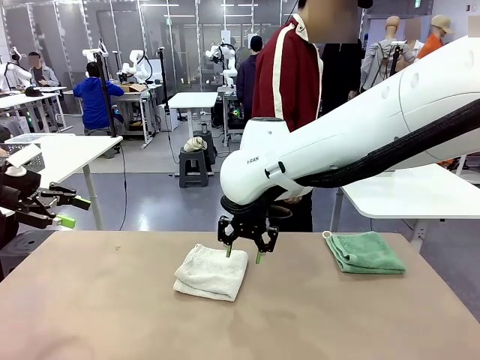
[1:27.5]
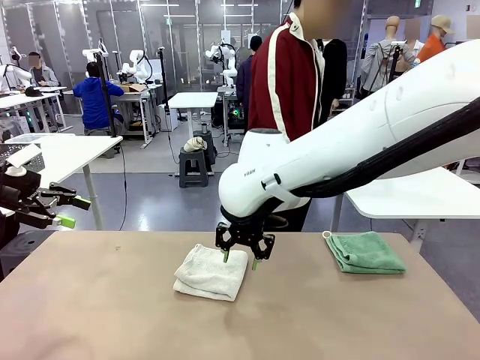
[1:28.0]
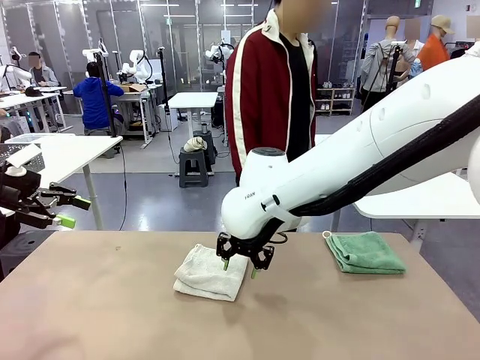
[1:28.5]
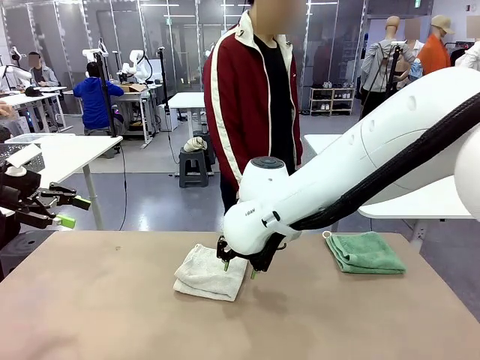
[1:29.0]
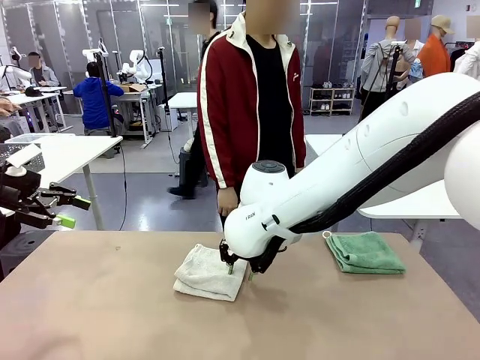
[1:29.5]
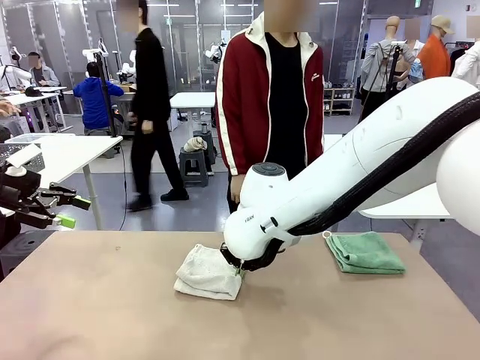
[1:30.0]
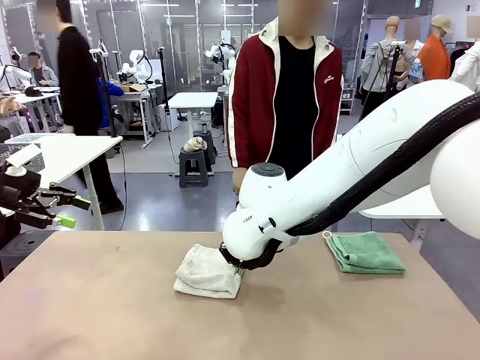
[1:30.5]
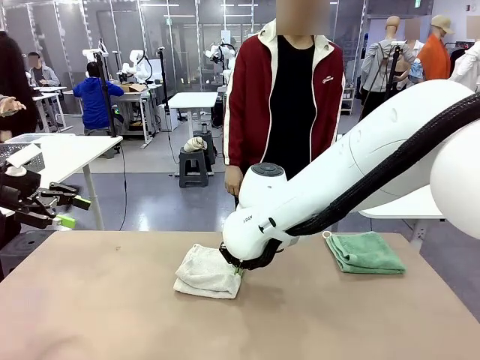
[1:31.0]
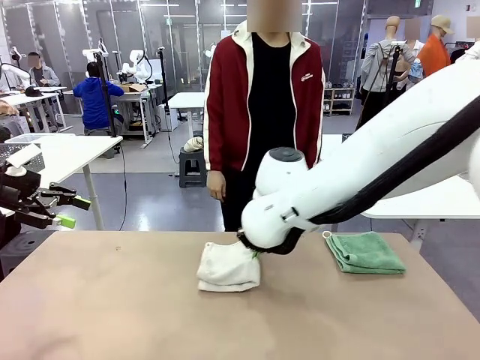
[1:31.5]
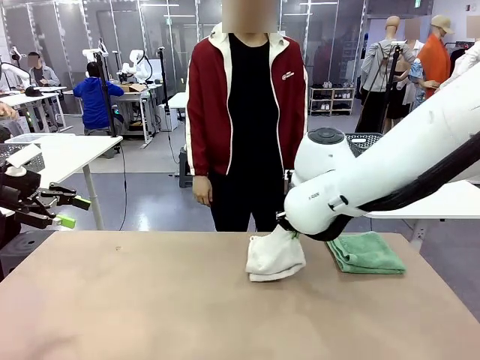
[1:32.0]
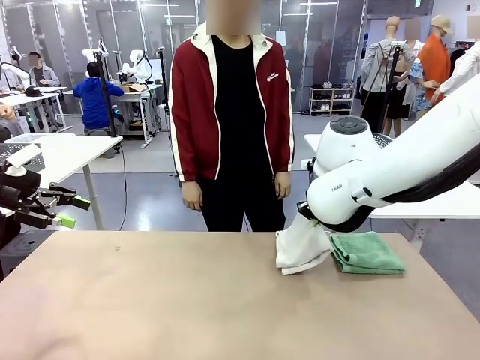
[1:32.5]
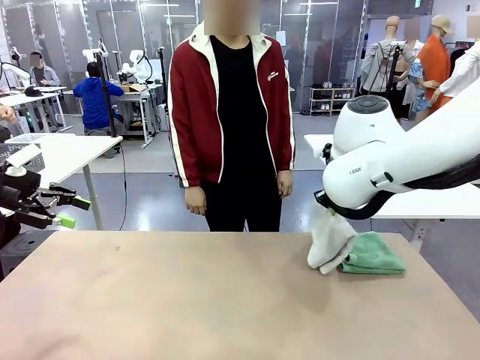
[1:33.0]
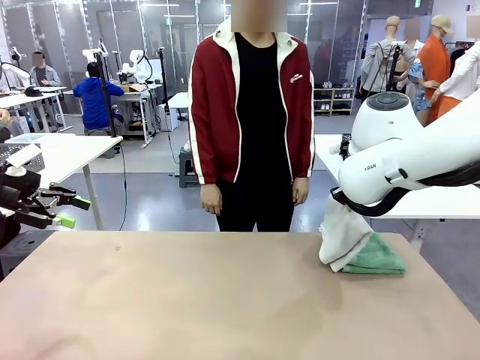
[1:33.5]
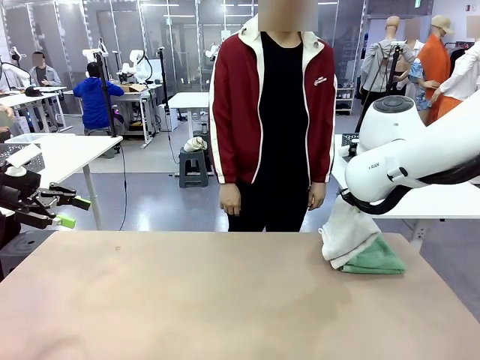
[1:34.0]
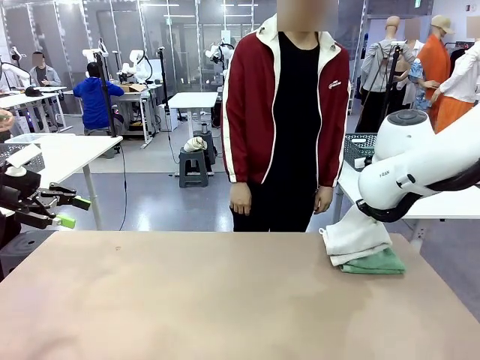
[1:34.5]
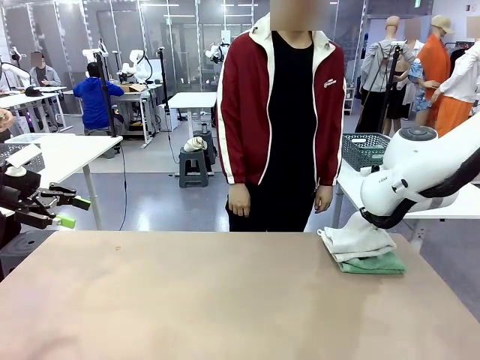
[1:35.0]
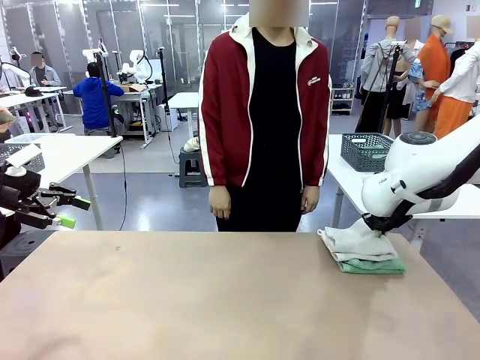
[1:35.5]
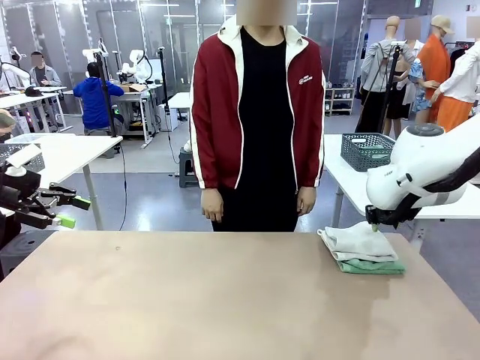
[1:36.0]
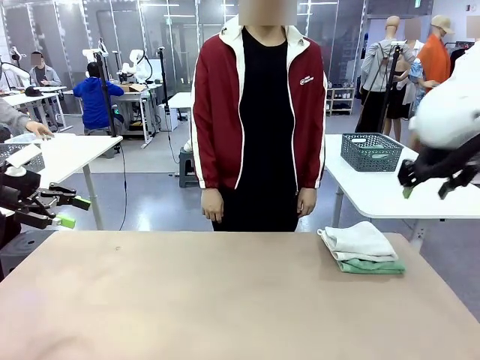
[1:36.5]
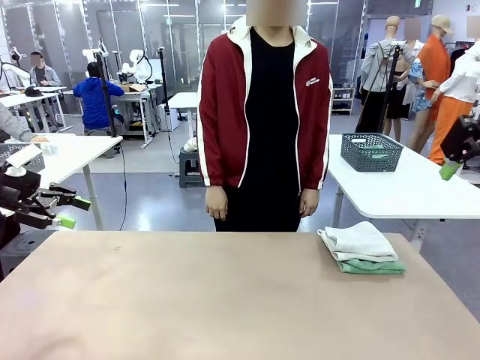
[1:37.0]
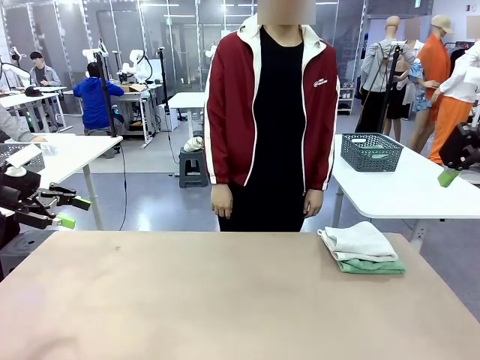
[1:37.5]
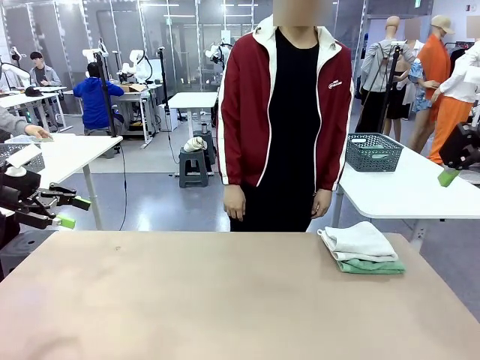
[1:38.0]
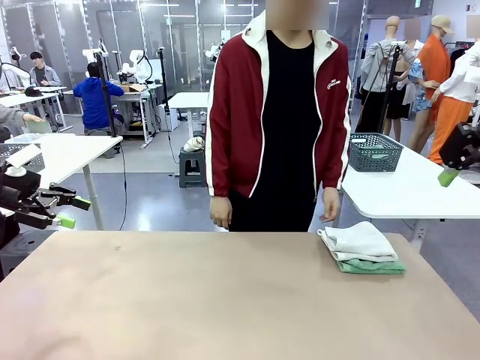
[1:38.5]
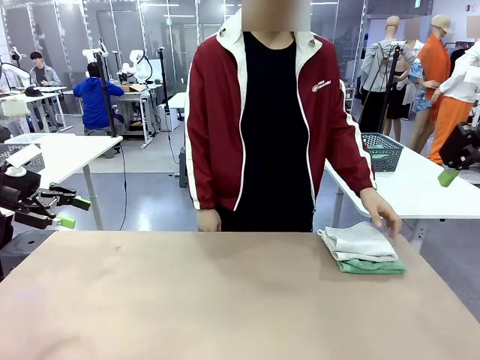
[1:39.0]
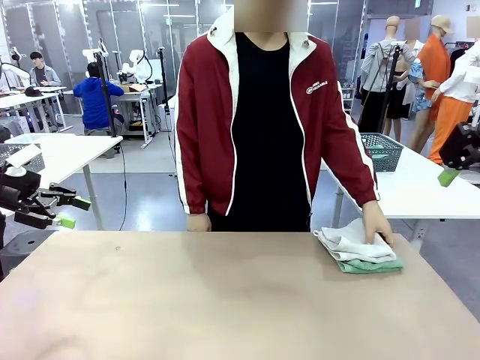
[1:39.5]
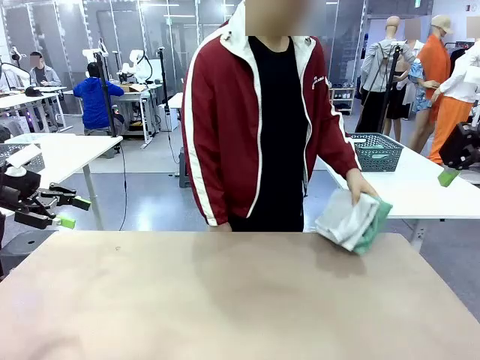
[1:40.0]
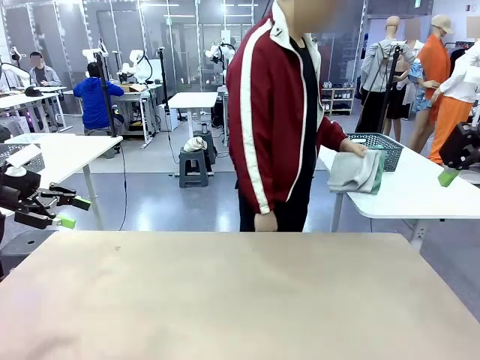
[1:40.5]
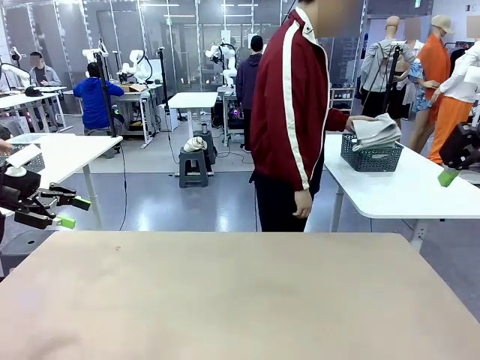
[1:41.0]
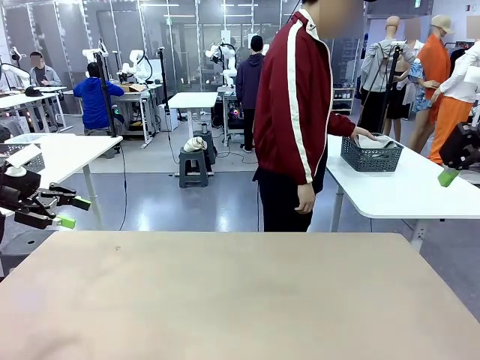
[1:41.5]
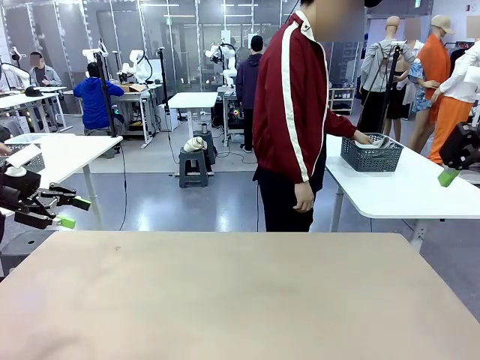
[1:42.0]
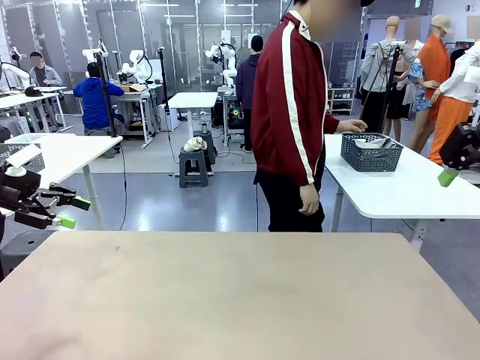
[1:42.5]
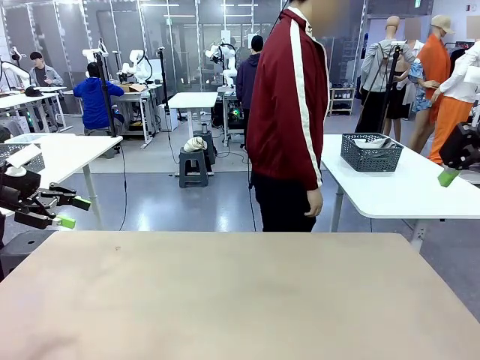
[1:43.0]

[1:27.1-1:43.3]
Task: Fold the towels and place them in the basket.
Robot: Stack the folded Towel with hook on the right side of the table.
Person: Pick up the stack of towels from the robot table and place it into the basket.

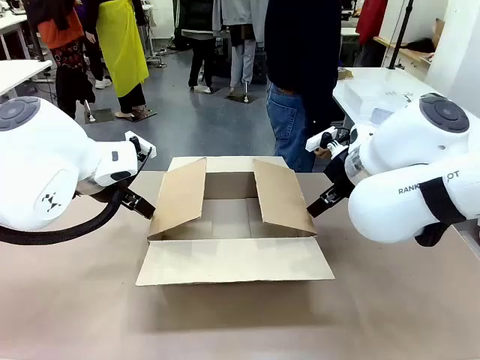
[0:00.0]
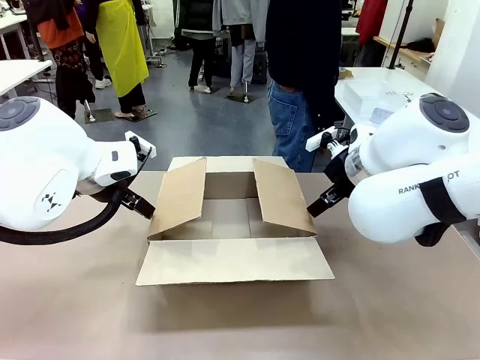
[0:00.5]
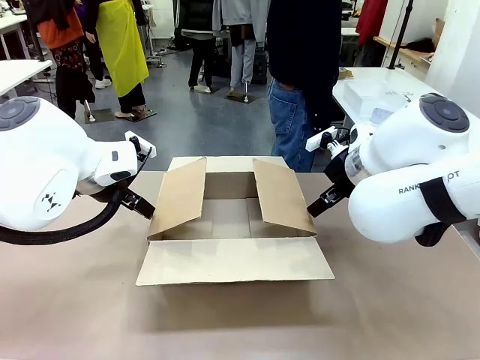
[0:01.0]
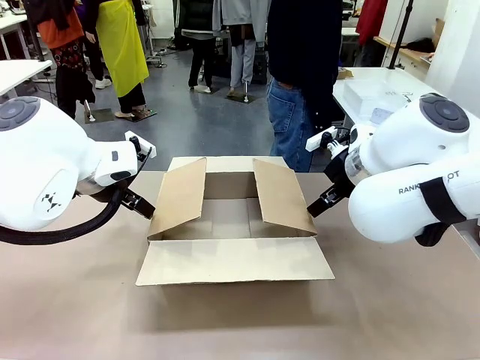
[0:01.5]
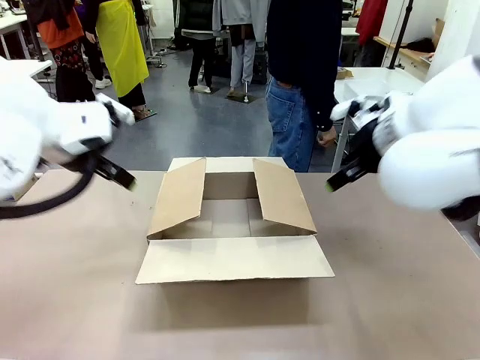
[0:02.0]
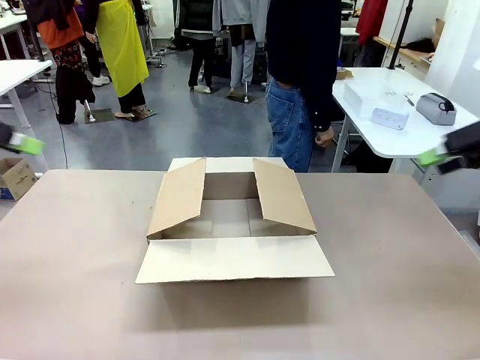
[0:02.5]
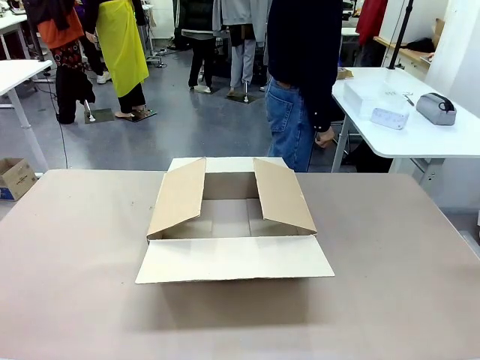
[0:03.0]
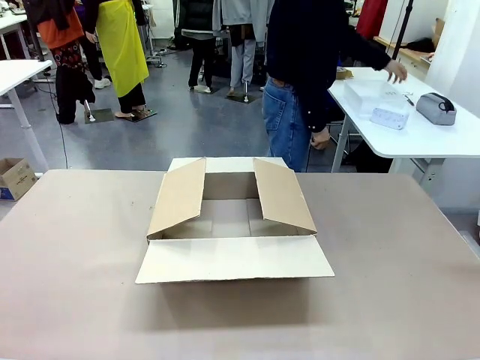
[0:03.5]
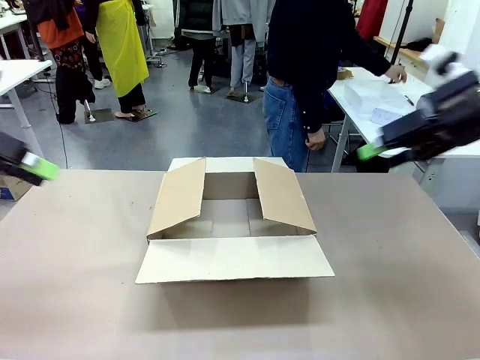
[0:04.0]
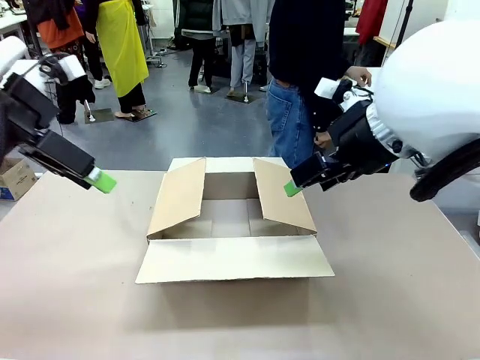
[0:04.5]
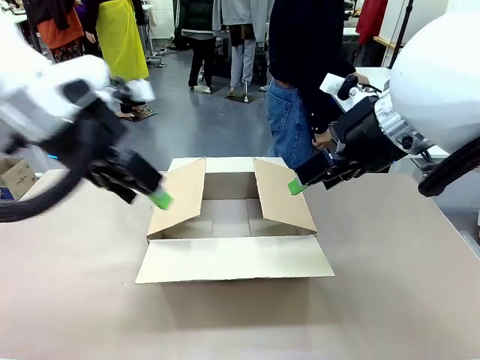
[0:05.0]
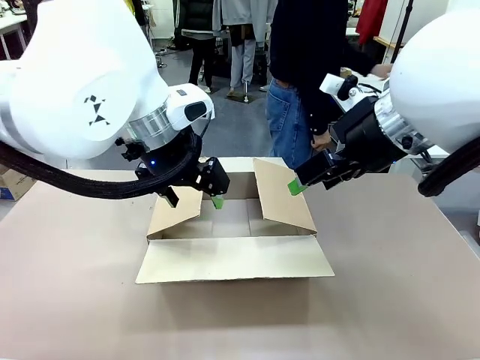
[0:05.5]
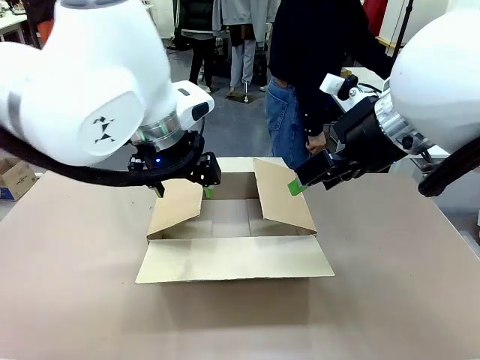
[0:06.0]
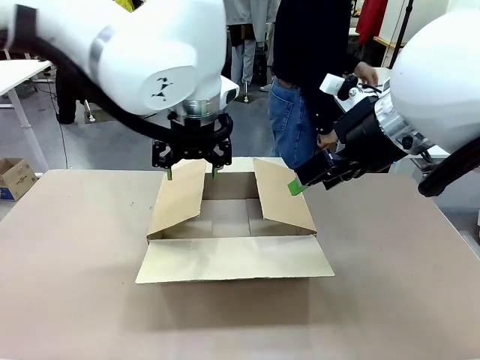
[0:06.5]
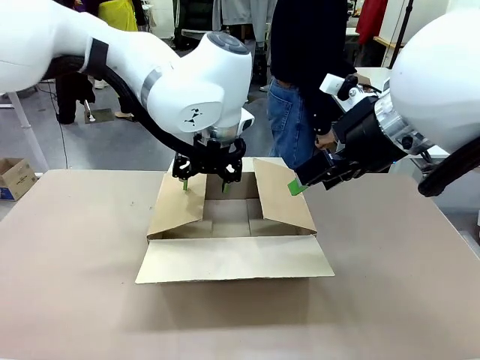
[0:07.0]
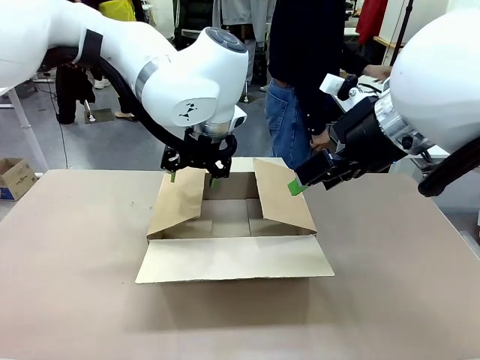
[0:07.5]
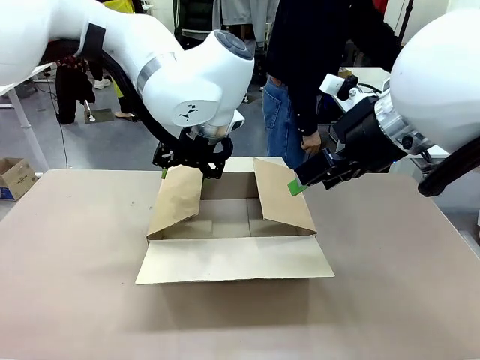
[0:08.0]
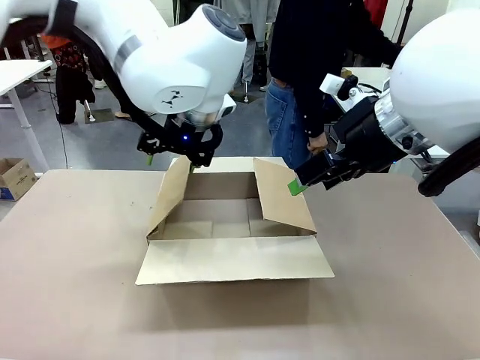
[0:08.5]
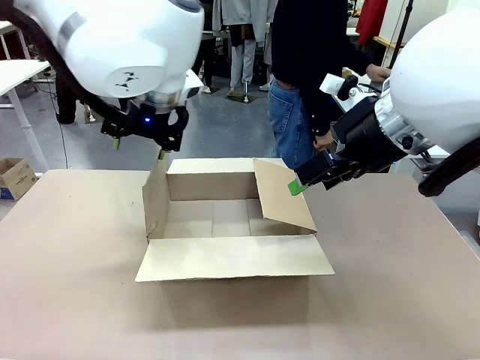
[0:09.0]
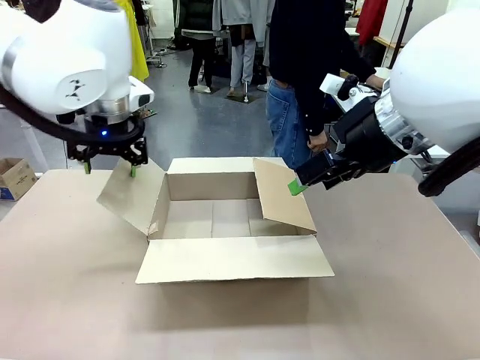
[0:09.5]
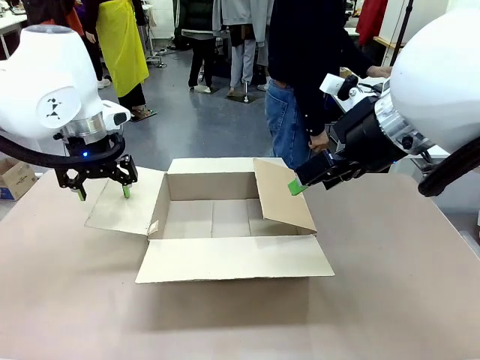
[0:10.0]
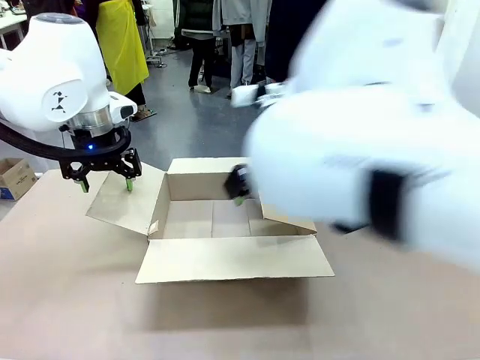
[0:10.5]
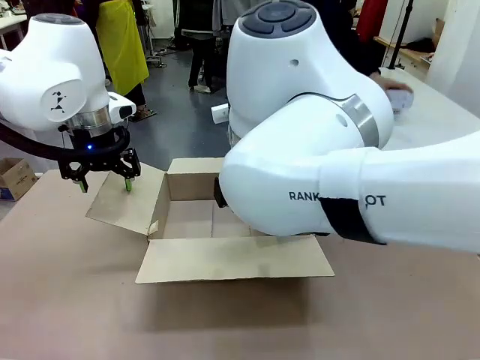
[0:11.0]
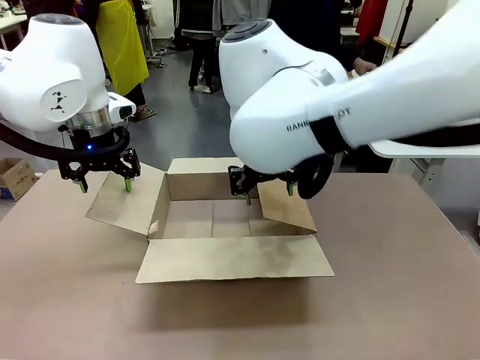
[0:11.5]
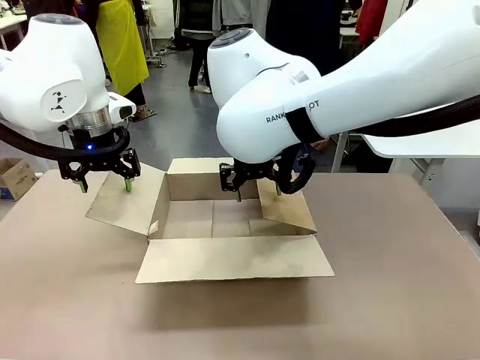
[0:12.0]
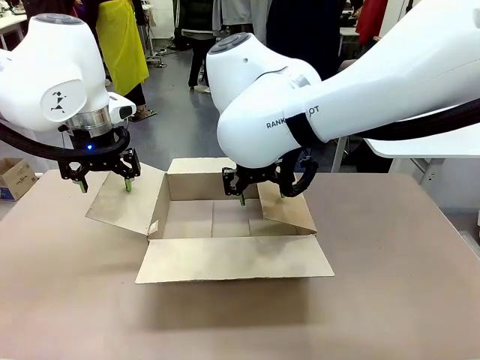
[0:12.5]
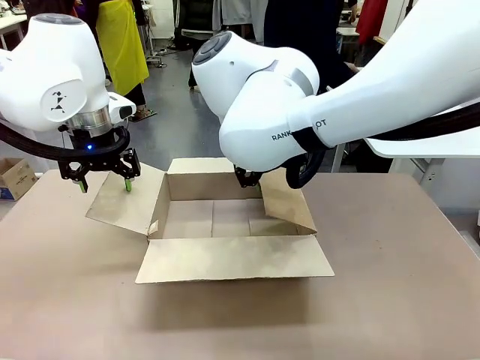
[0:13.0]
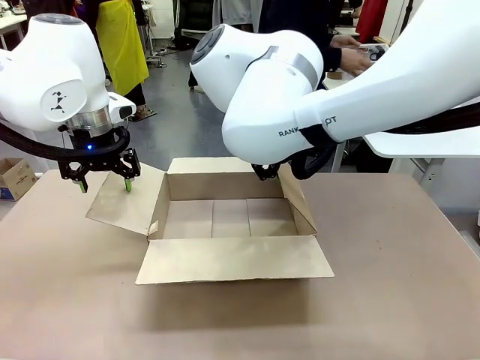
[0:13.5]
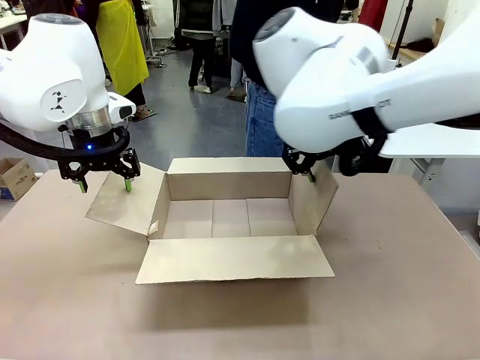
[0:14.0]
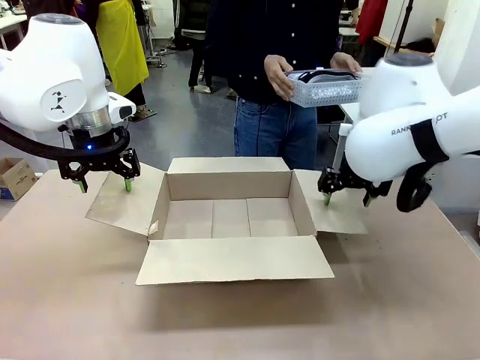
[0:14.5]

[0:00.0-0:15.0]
Task: Pack the gift set into the box.
Robot: Place both hands on the side flaps of the Package Box and spread them outward.
Person: The human places all items except the paper tape into the organizing basket.
